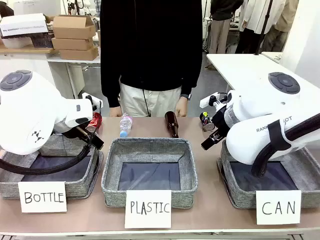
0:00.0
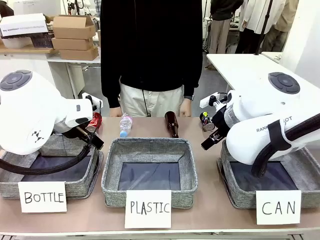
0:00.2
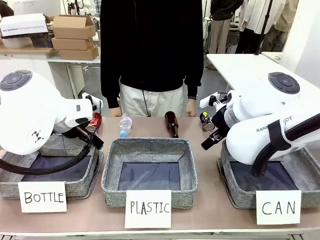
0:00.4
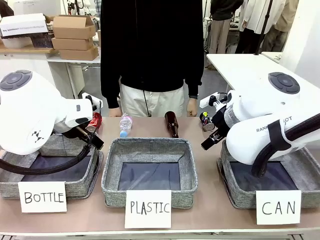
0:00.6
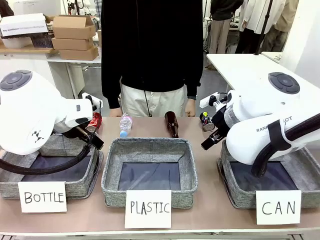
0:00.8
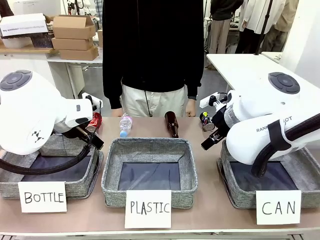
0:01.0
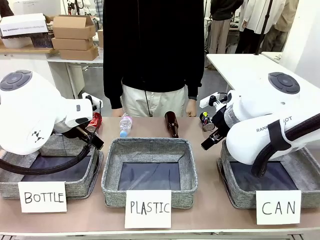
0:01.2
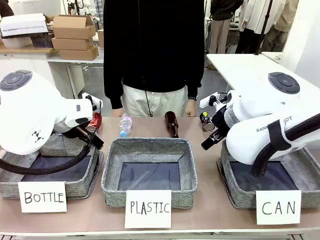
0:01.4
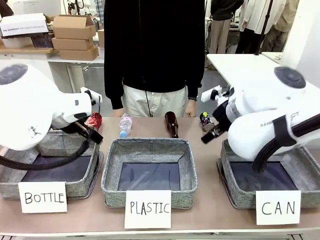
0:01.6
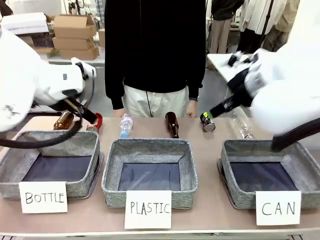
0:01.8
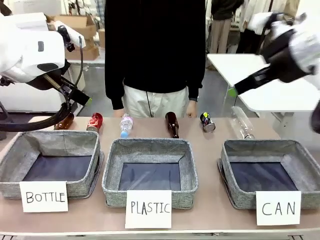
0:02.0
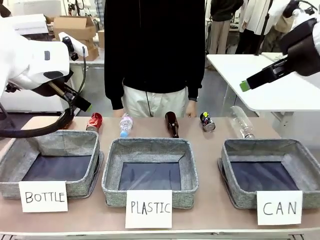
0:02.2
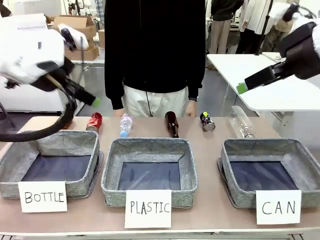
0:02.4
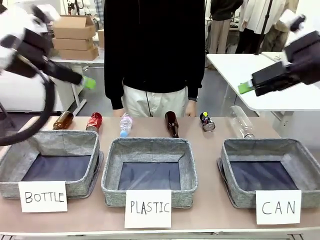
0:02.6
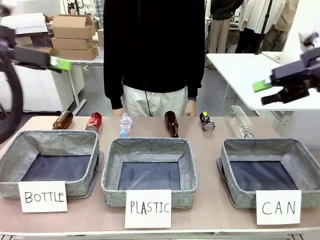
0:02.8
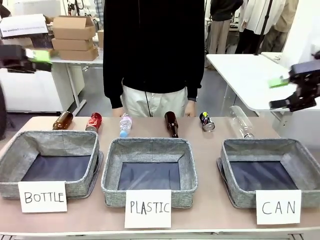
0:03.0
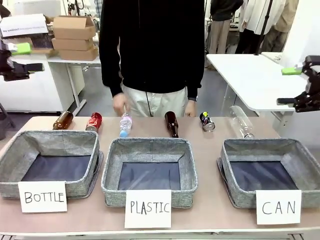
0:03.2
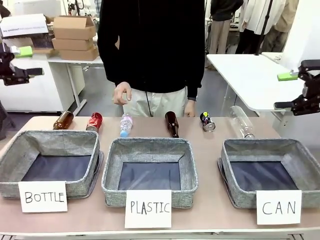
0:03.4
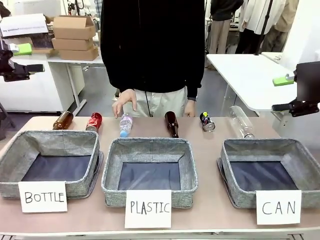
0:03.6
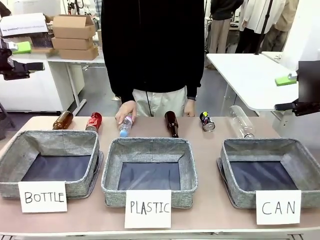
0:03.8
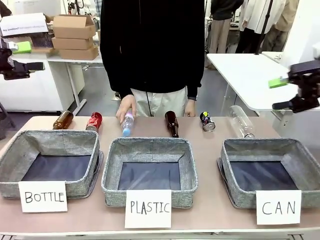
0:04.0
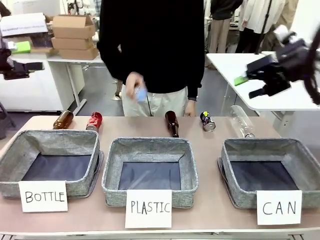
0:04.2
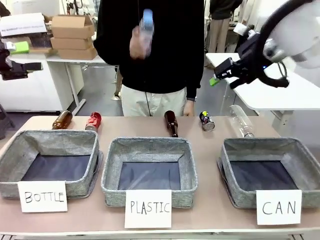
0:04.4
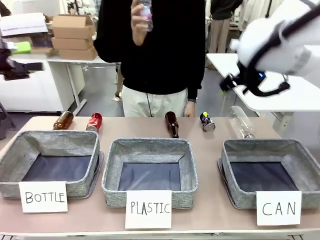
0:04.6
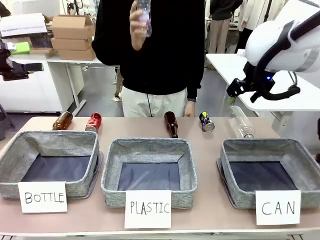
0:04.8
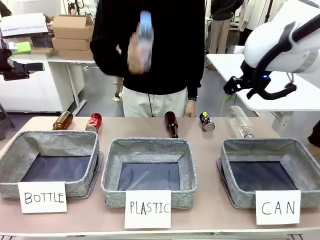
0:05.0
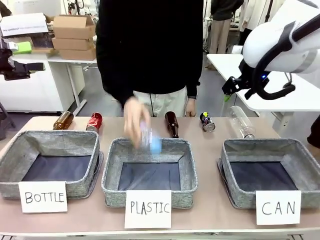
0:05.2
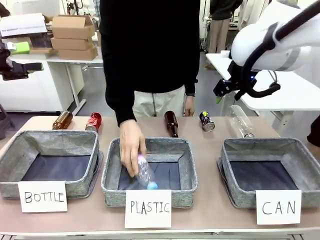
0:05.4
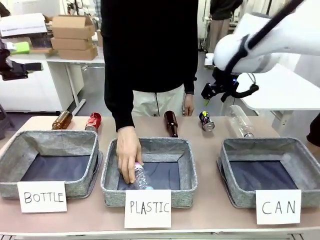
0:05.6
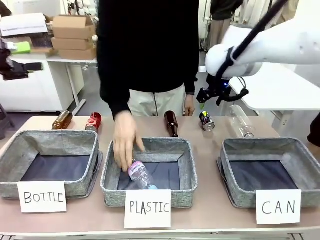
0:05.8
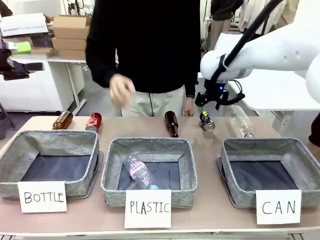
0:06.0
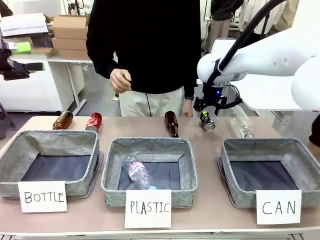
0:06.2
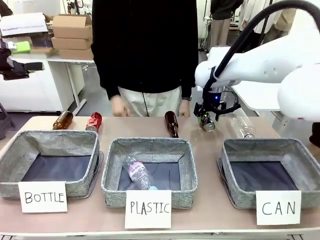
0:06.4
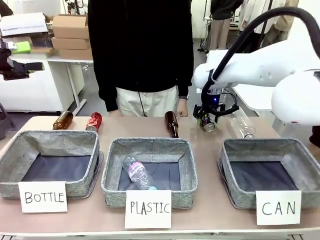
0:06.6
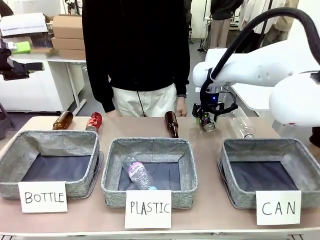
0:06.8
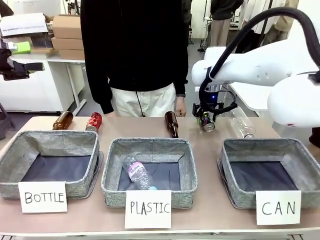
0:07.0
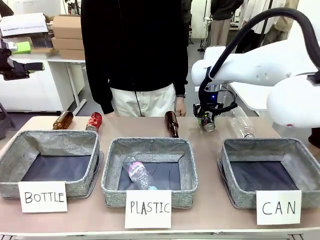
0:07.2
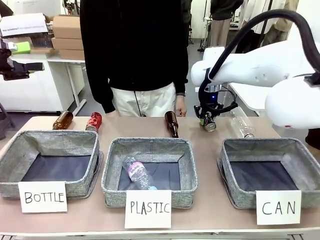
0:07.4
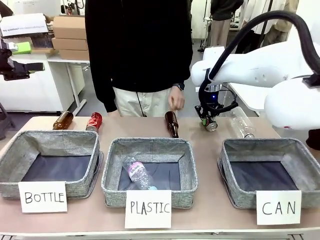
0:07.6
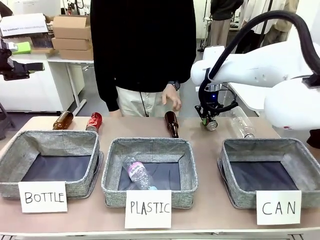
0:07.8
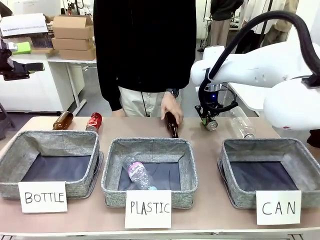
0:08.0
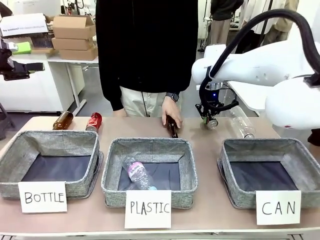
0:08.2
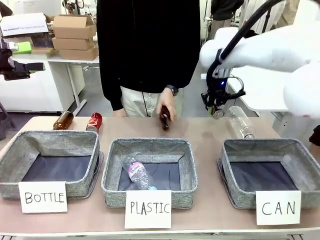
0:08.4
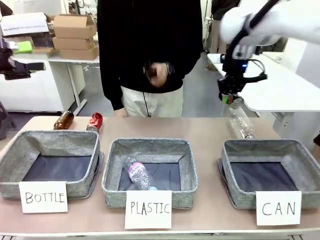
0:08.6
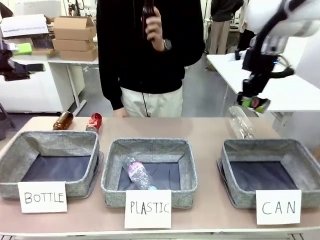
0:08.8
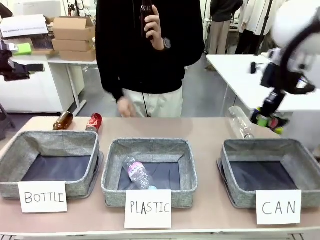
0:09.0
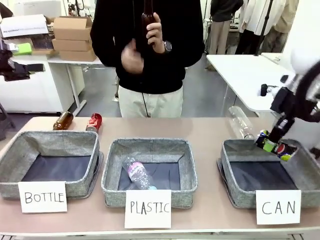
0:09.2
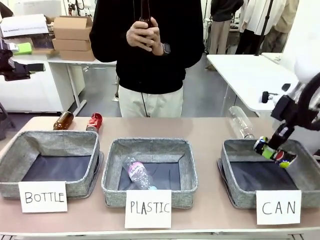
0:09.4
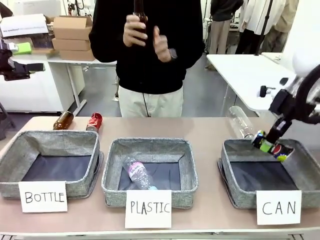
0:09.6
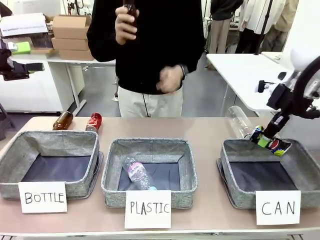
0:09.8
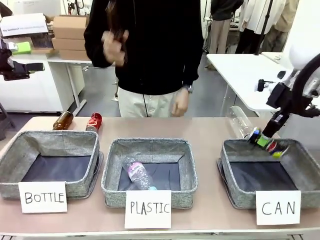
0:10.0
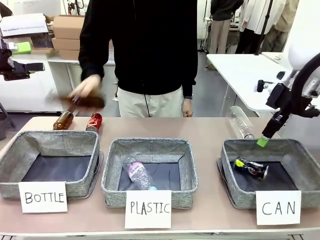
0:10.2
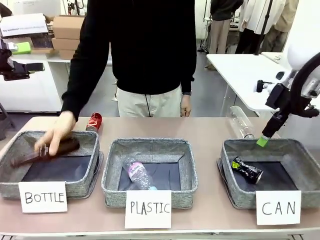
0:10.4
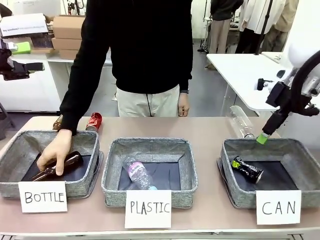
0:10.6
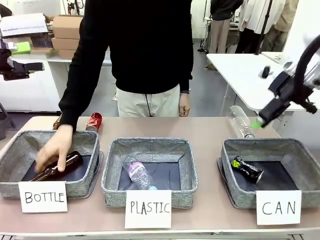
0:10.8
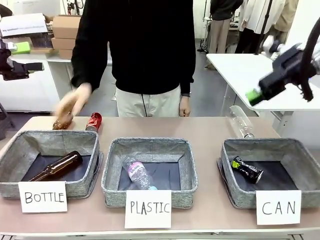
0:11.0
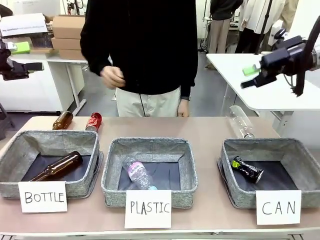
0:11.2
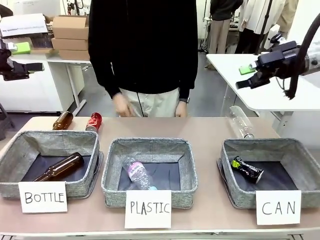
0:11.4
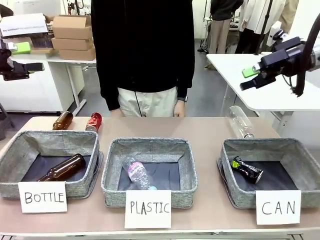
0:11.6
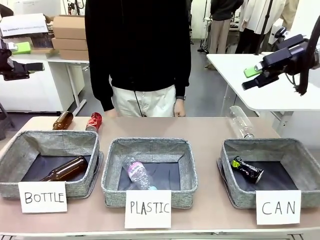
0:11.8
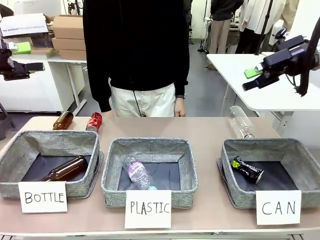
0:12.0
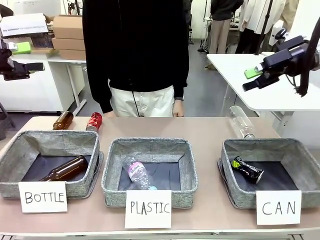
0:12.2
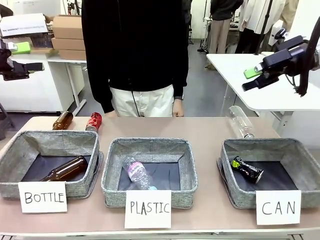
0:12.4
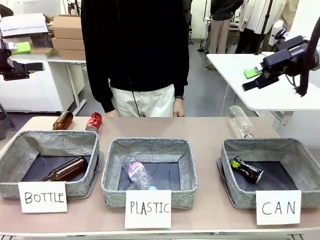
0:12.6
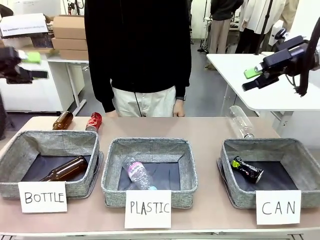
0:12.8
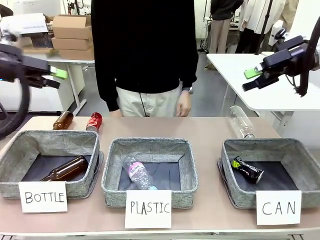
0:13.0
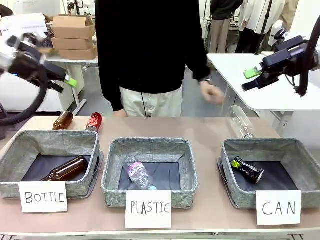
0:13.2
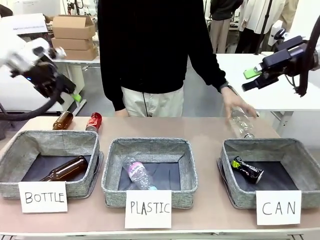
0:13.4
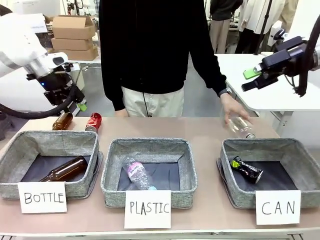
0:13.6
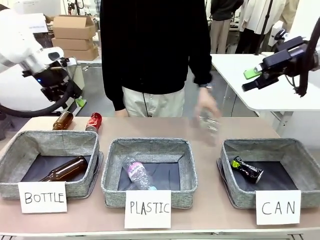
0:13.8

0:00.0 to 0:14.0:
Task: Sort the can waste into the basket.
Robot: Pick up the can waste from the table and place it in the right Fabric basket.

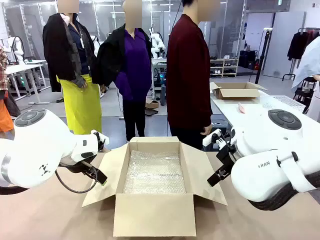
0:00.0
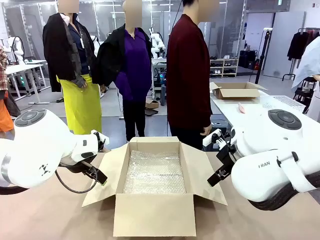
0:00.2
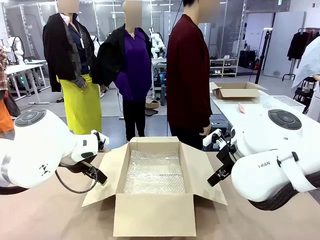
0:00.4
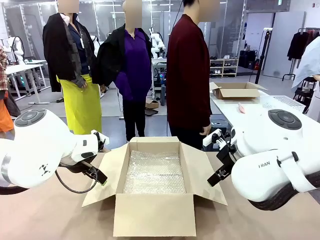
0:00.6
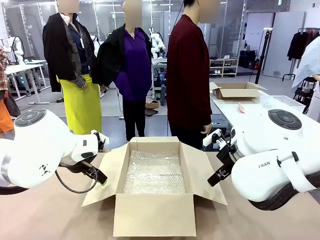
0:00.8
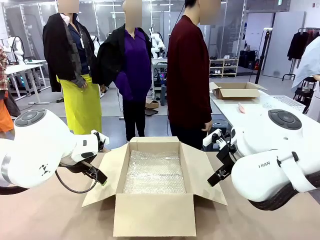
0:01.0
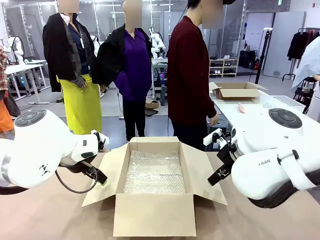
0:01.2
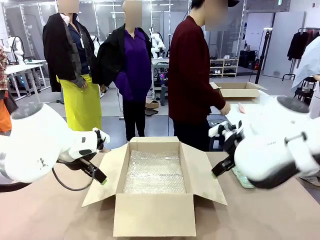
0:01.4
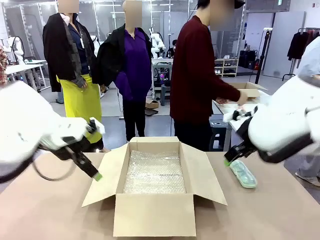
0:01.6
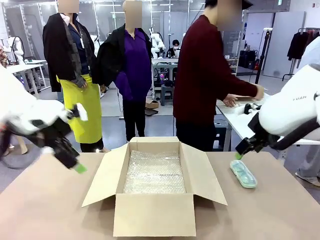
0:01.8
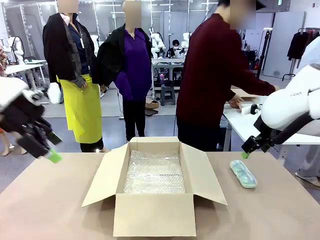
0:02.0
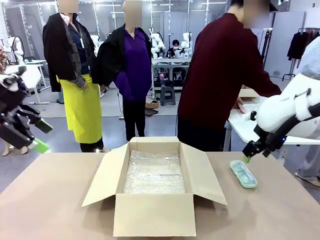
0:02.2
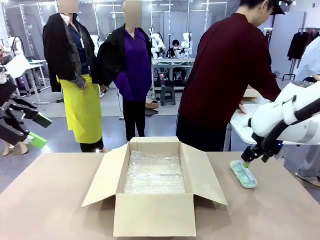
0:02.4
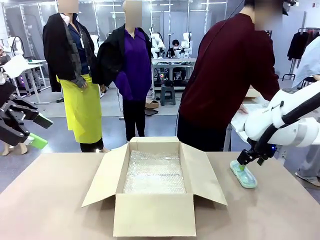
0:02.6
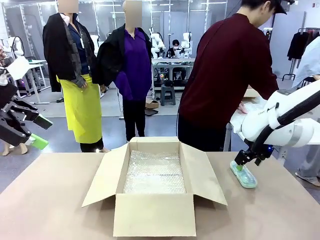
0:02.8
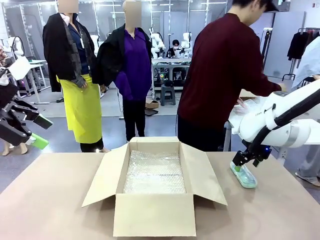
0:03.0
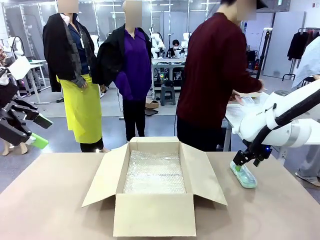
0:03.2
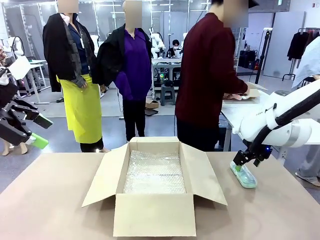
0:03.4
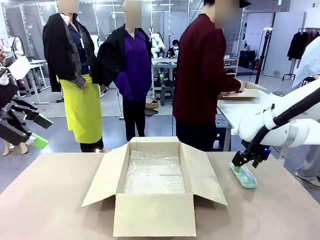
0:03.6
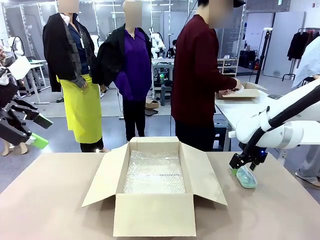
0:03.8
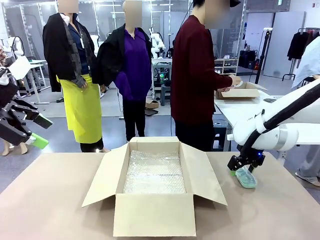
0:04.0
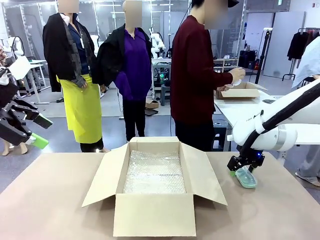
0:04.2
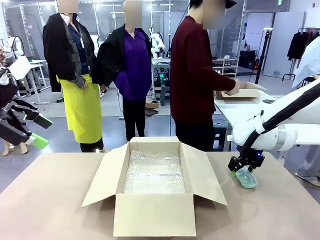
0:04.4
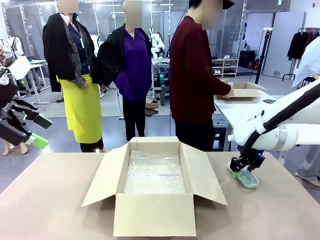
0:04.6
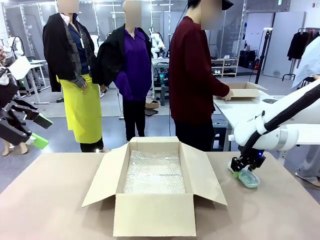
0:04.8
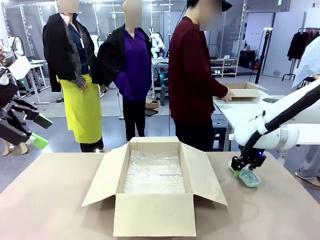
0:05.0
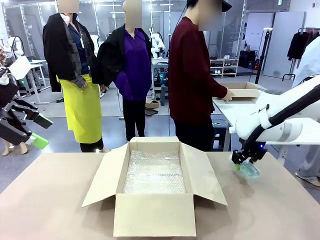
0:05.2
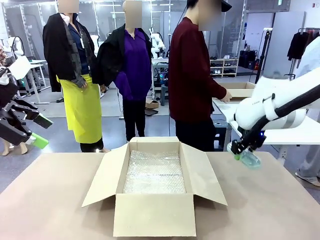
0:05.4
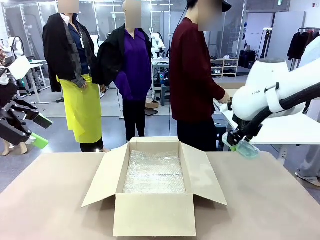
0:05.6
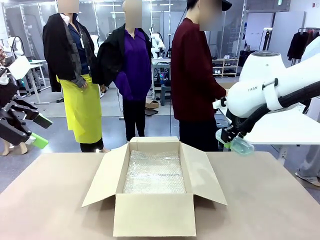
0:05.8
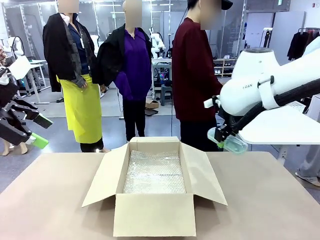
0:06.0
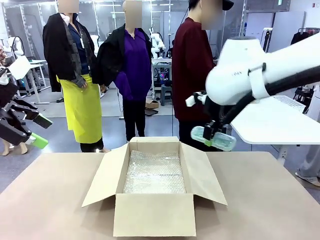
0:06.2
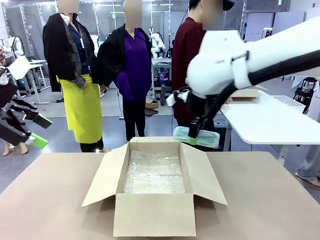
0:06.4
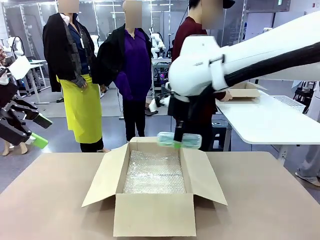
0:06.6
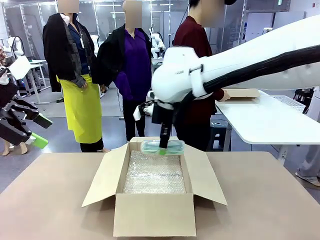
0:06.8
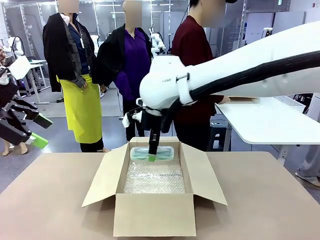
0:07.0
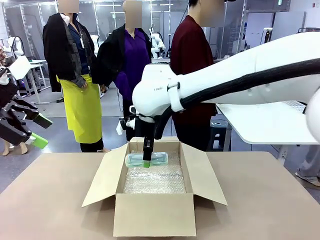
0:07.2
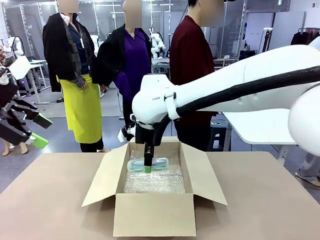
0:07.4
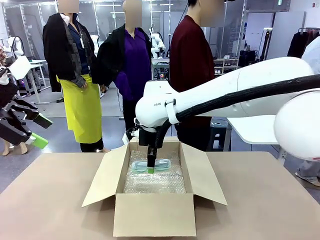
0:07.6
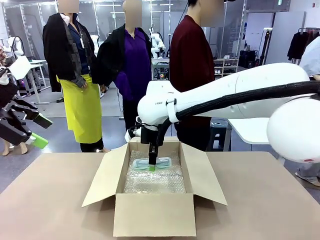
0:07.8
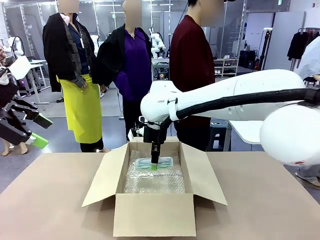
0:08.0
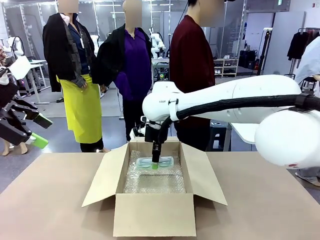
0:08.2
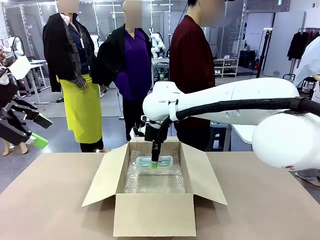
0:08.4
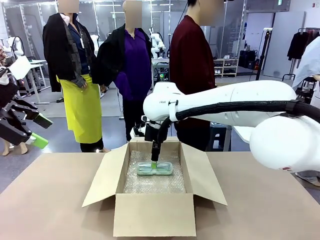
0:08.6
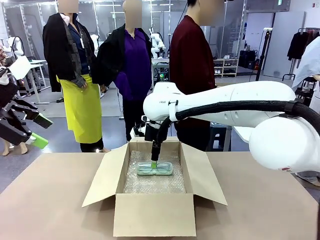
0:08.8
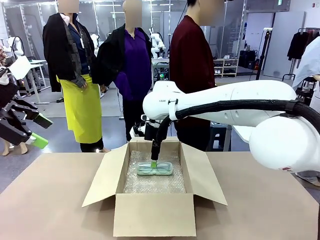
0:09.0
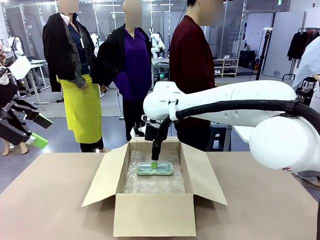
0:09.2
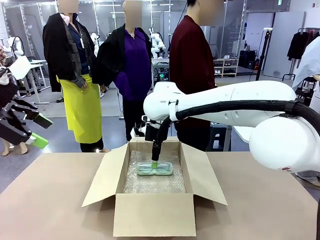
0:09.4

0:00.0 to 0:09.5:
Task: Pack the glasses set securely to prepare it for shipping.
Robot: Place the Glasses case inside the Package Box.
Person: Place the Glasses inside the Glasses case.
